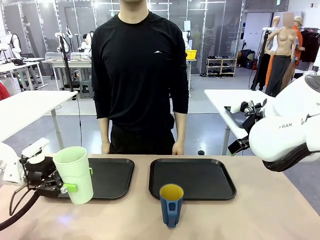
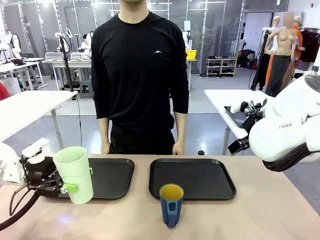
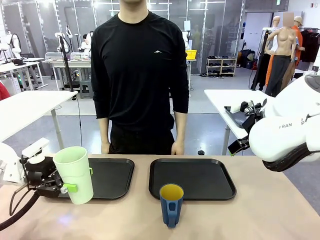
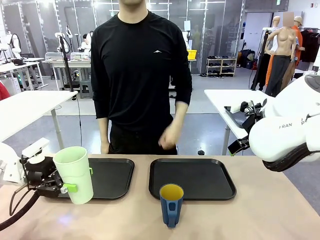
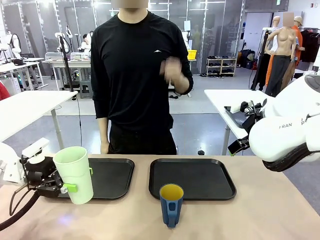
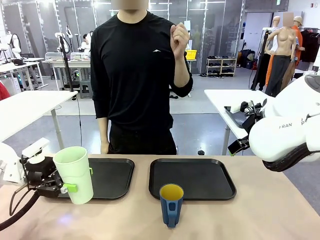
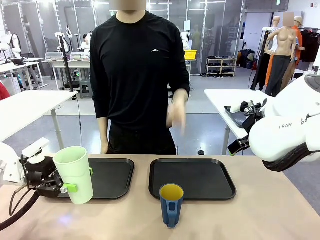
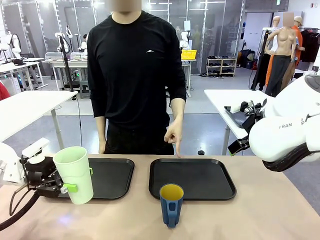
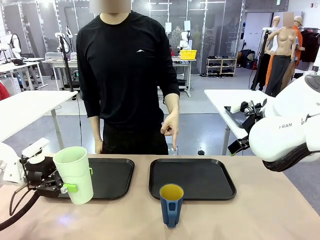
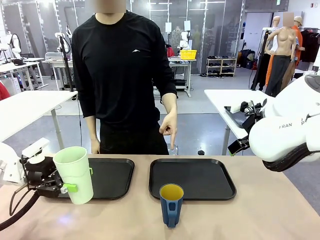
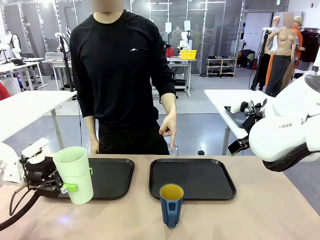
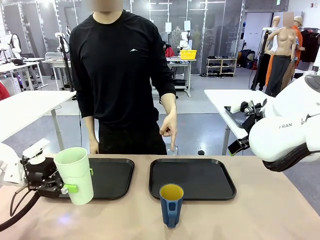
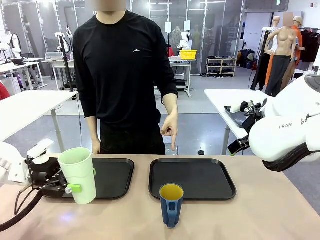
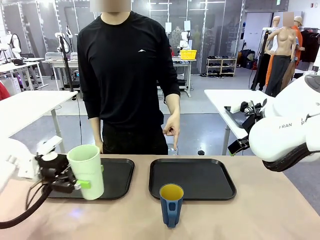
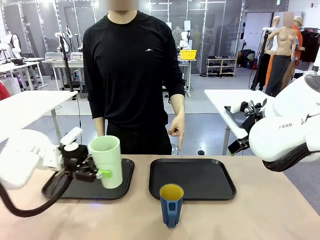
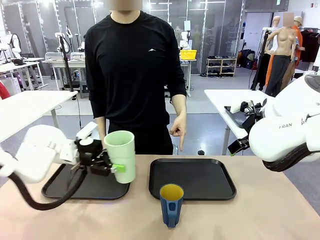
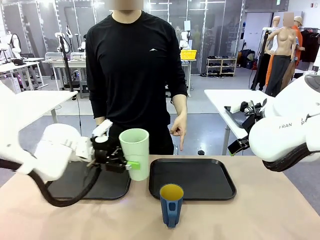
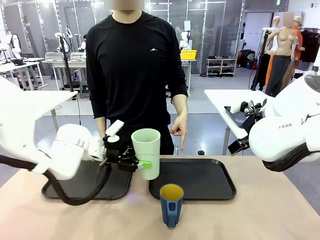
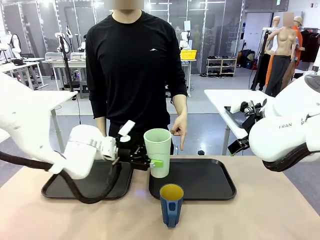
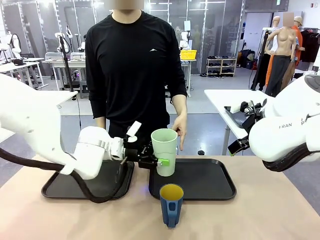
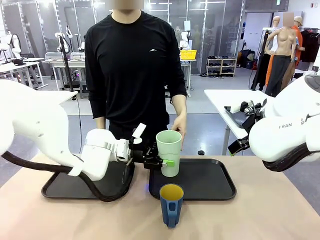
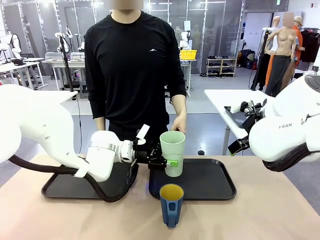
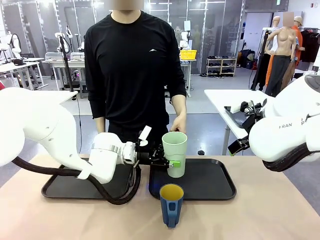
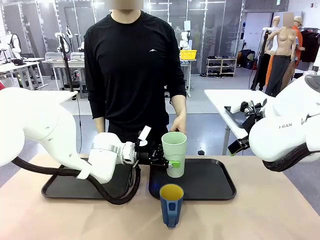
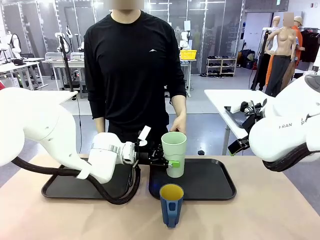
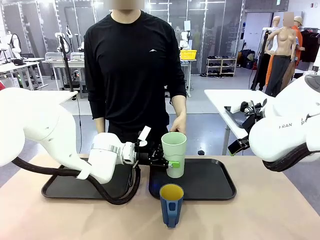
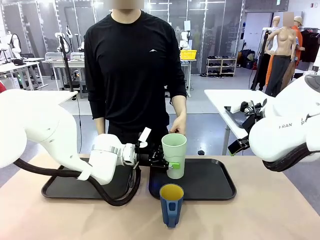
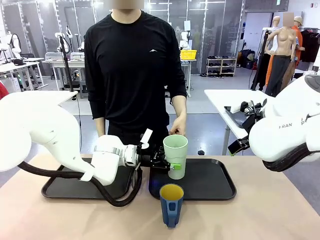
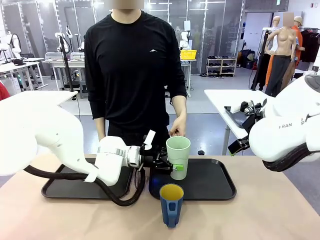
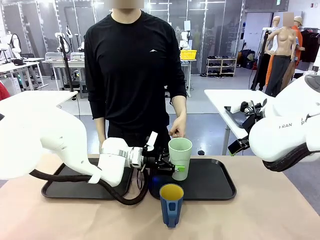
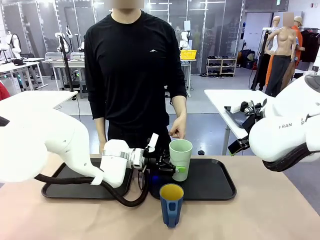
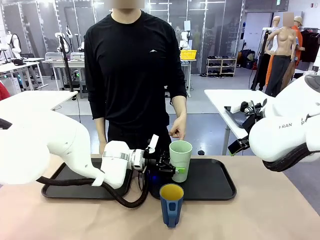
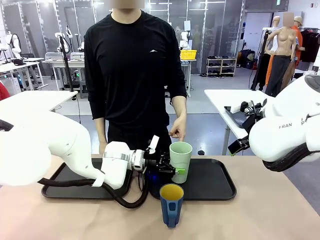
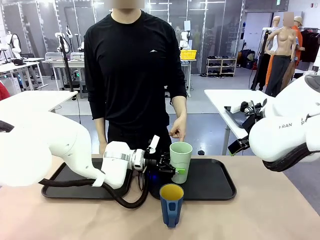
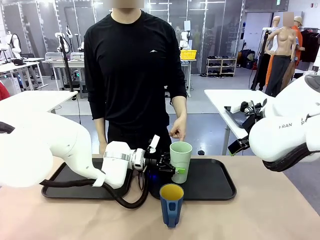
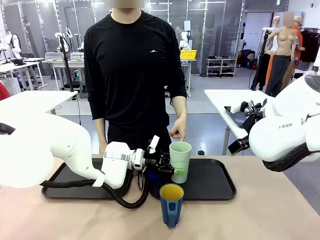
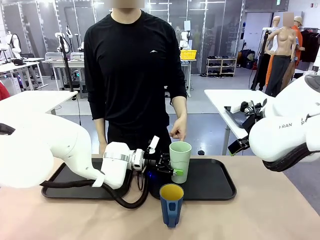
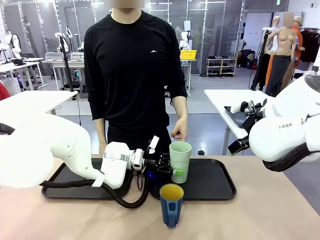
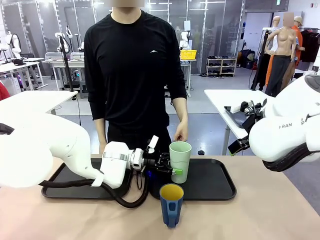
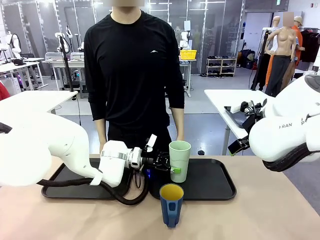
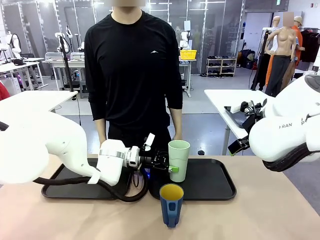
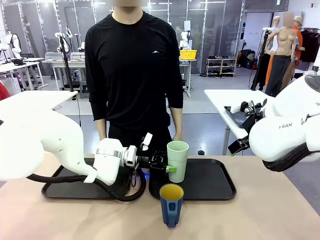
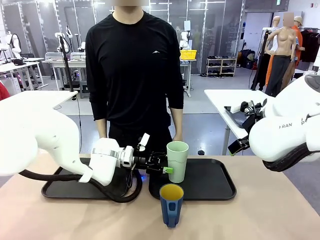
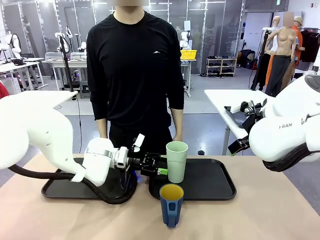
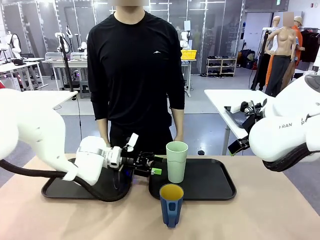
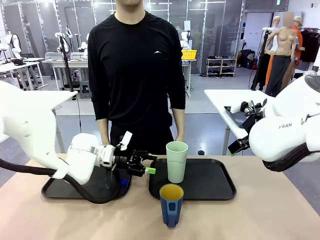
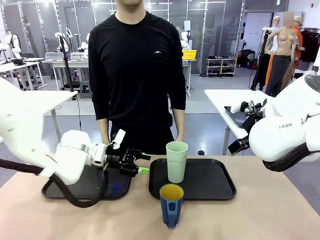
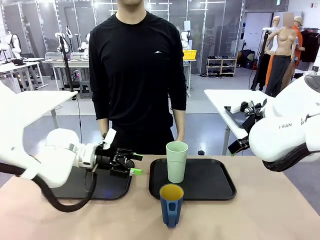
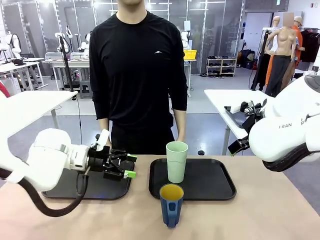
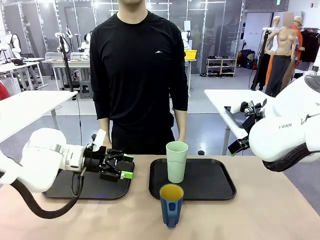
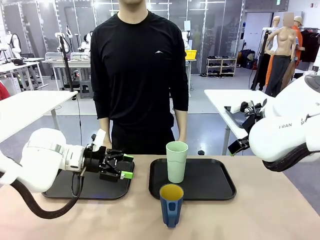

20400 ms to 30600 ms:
Task: Sort and store the cups by type.
Robot: Place the picked Reusable plastic cup into the Flat Tray indicated by the person.

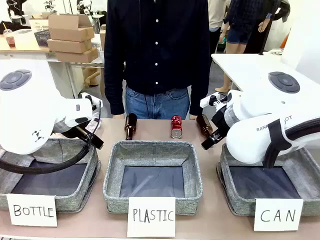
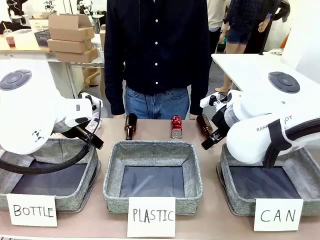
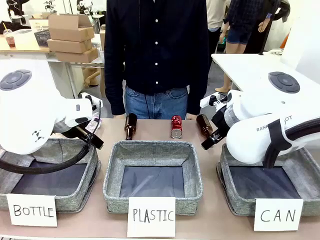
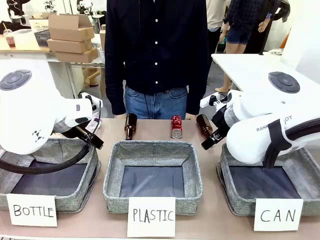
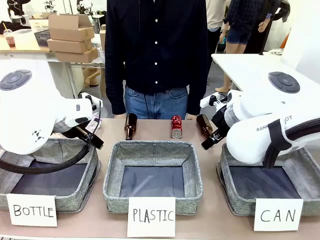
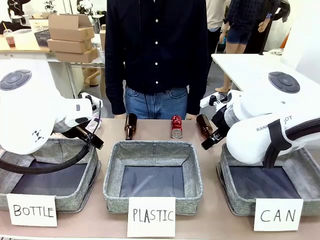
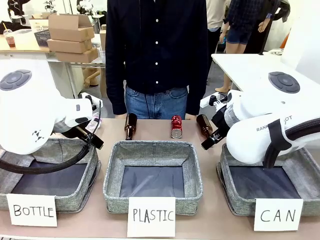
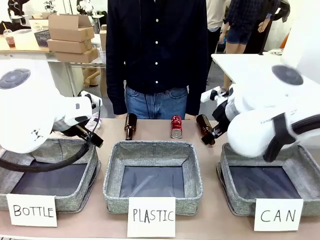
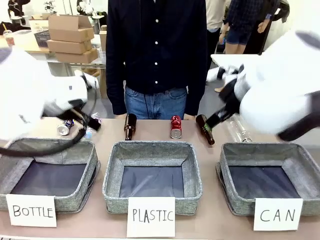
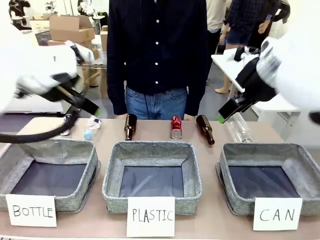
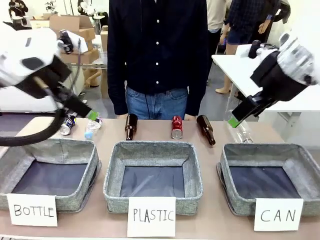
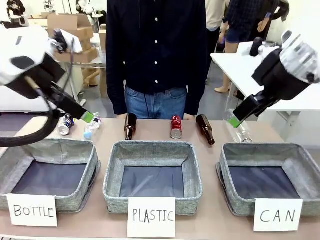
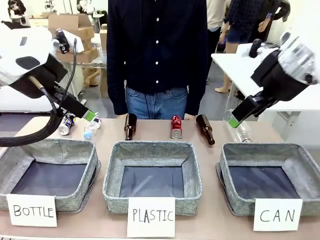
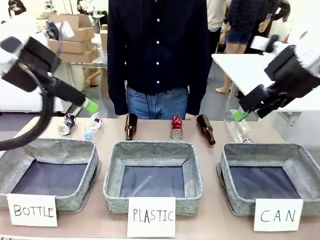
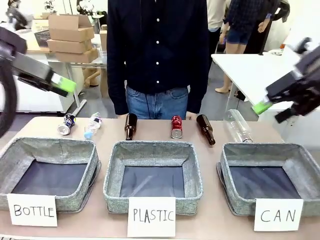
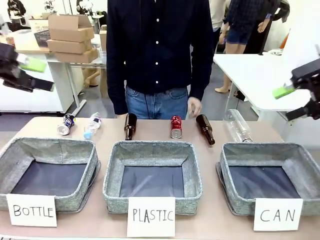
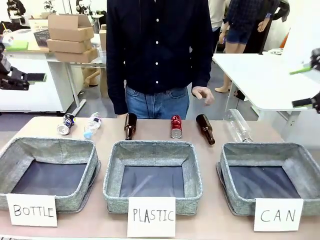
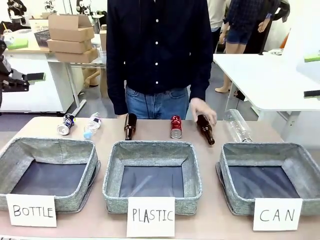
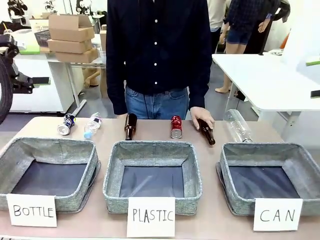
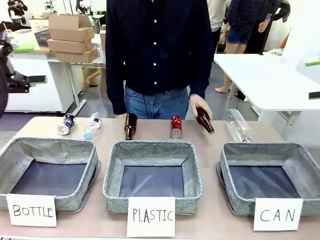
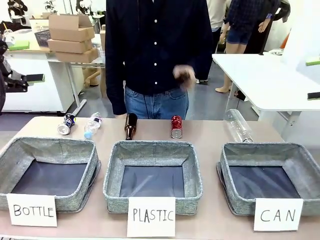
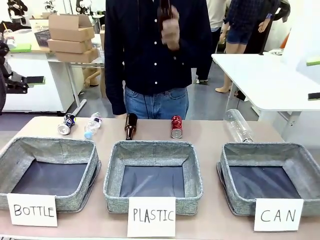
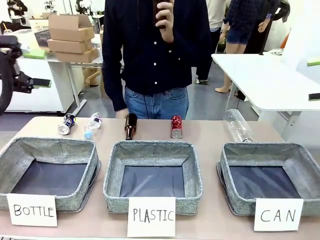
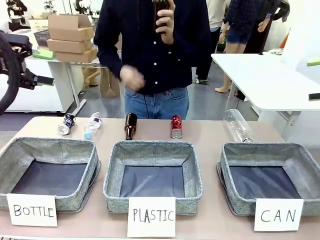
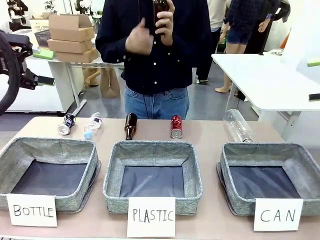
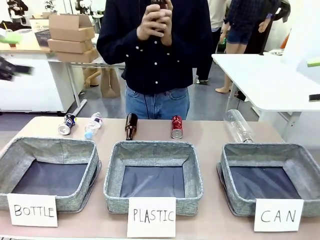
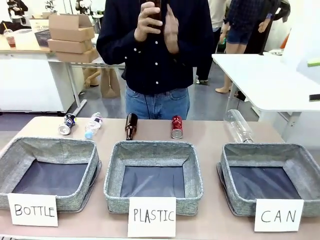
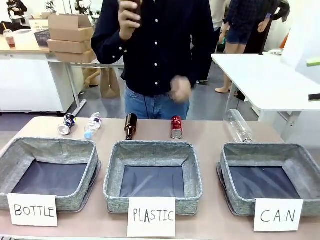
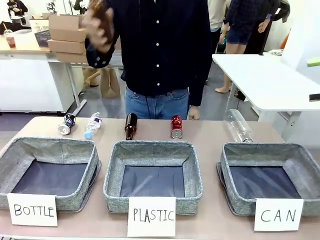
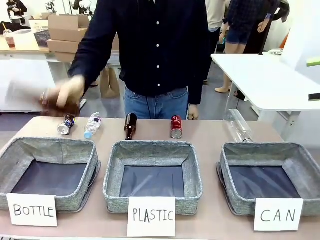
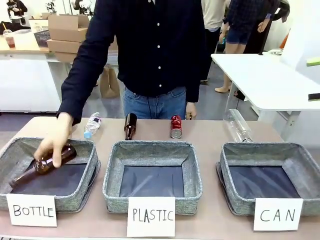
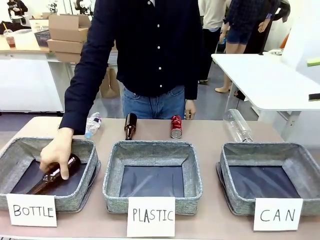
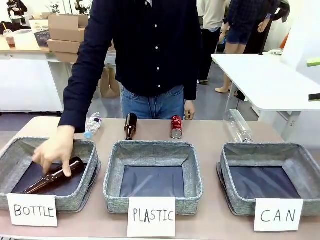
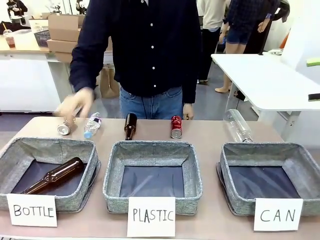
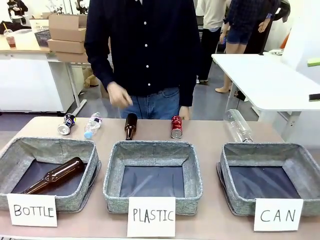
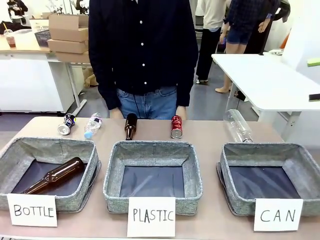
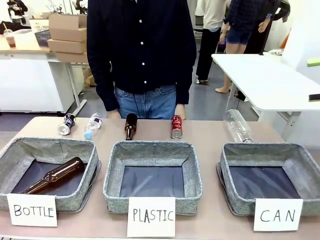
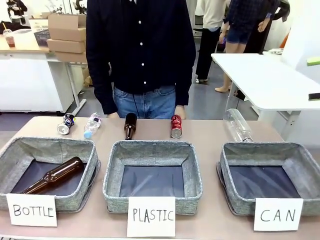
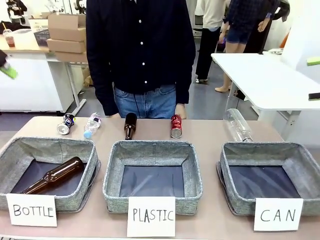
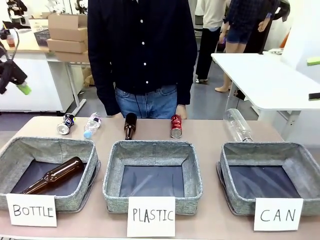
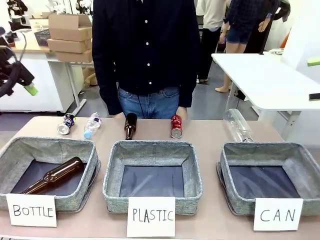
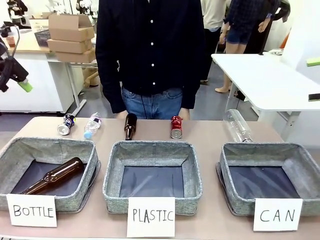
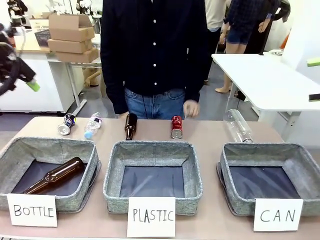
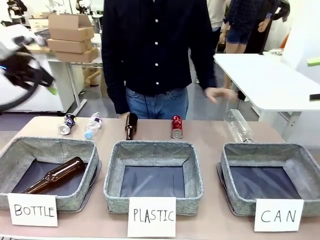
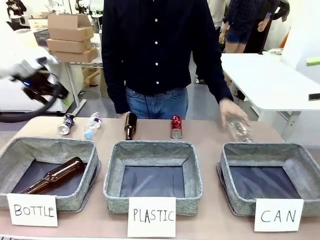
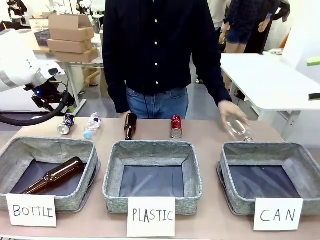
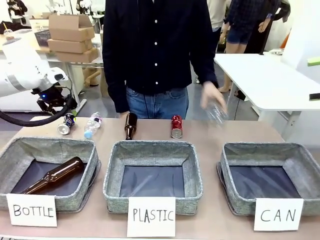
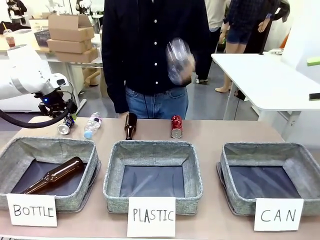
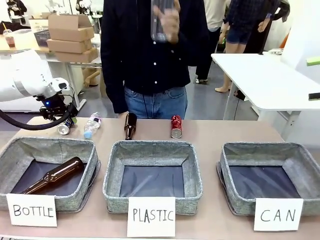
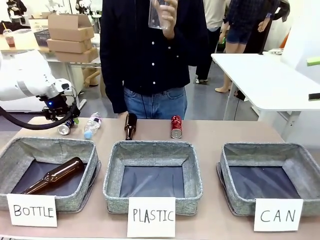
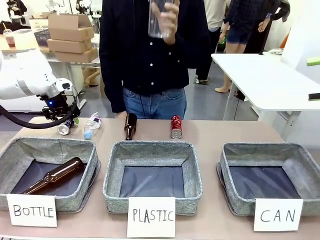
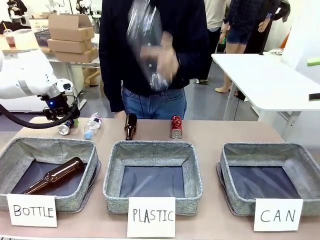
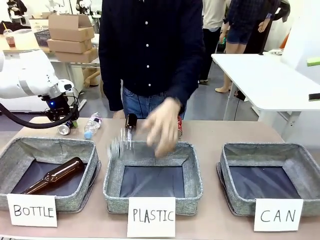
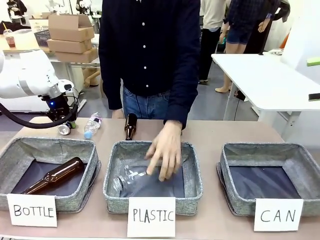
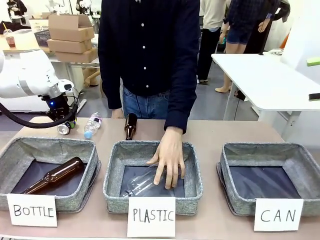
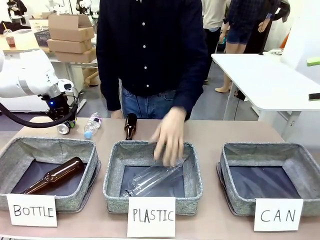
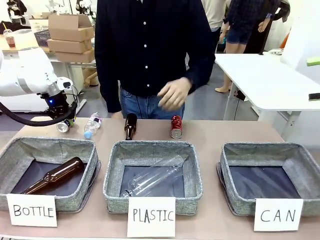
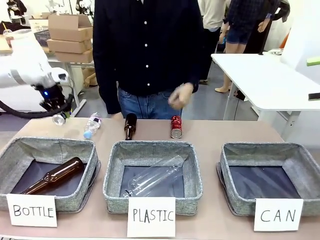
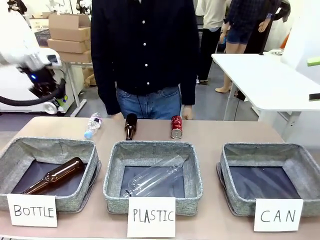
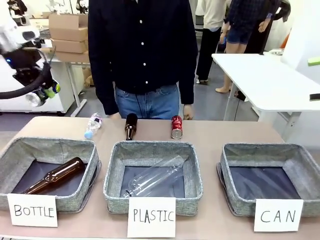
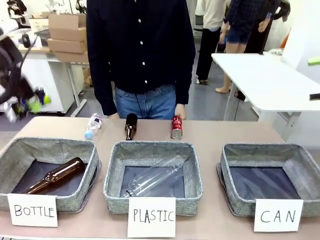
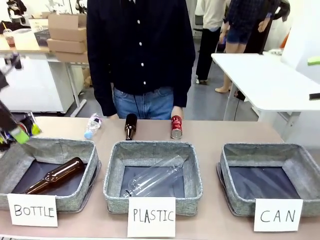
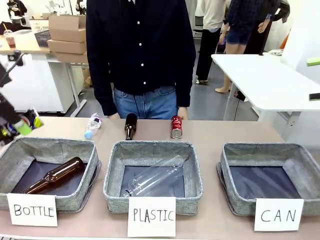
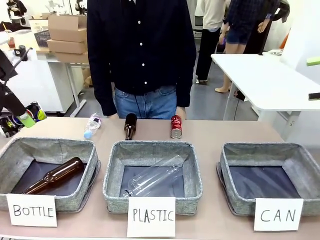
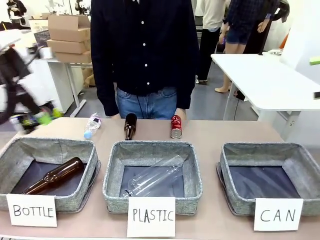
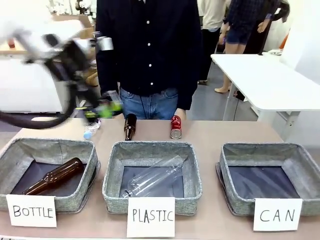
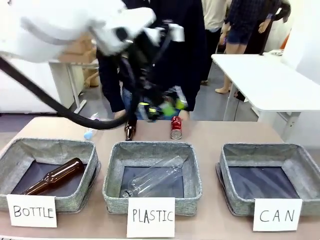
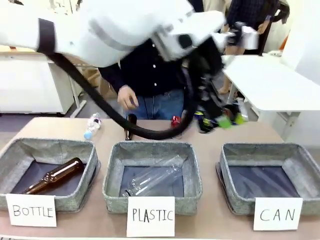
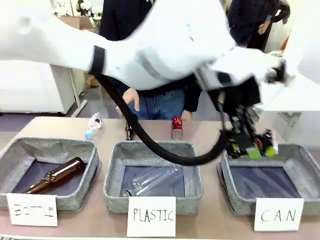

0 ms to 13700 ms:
Task: Sort the can waste into the basket.
Robot: Pick up the can waste from the table and place it in the right Fabric basket.
